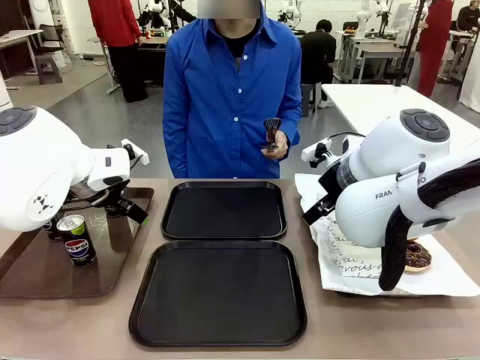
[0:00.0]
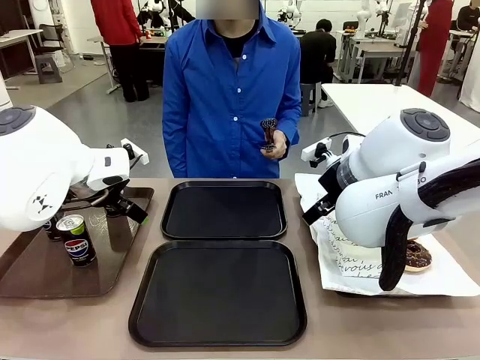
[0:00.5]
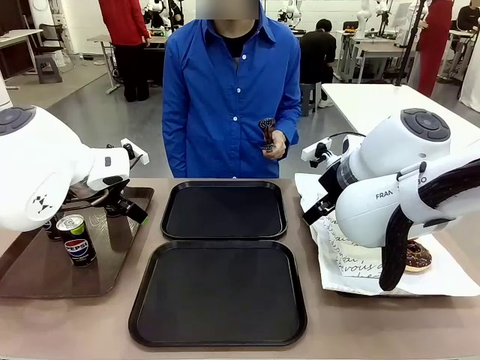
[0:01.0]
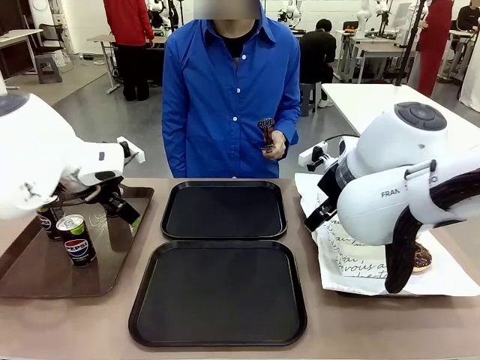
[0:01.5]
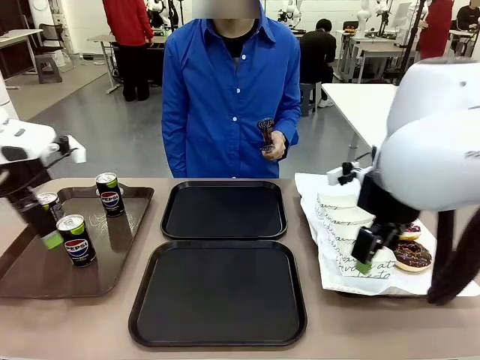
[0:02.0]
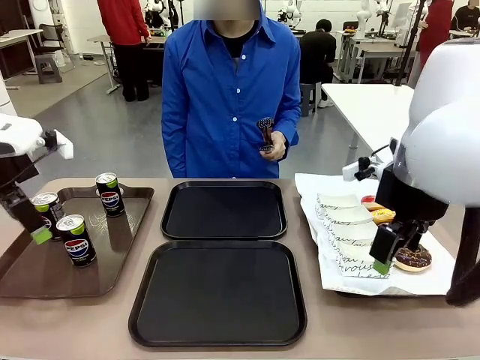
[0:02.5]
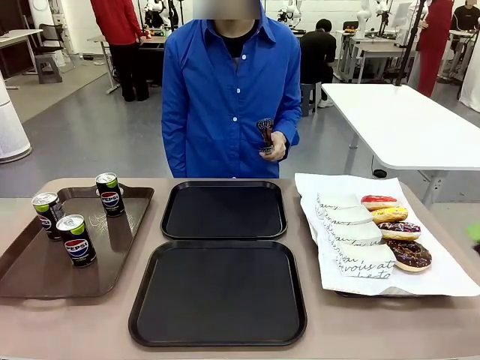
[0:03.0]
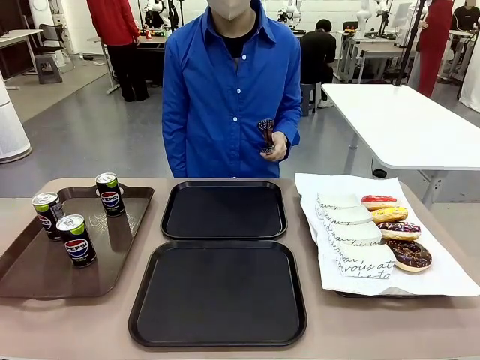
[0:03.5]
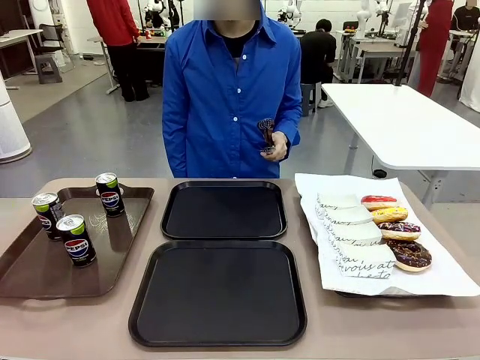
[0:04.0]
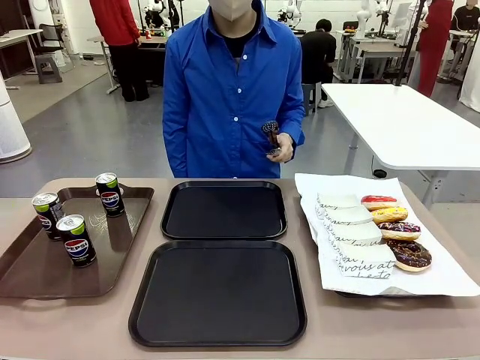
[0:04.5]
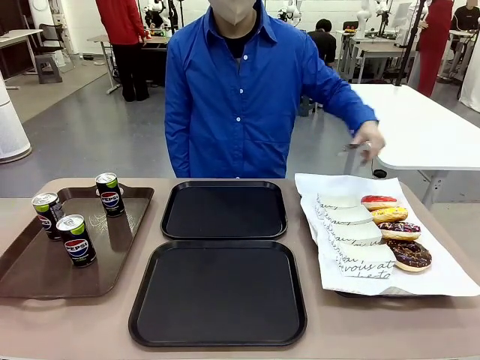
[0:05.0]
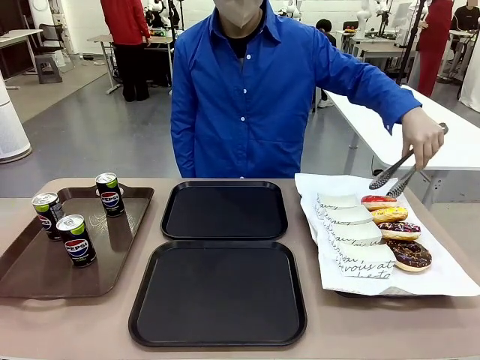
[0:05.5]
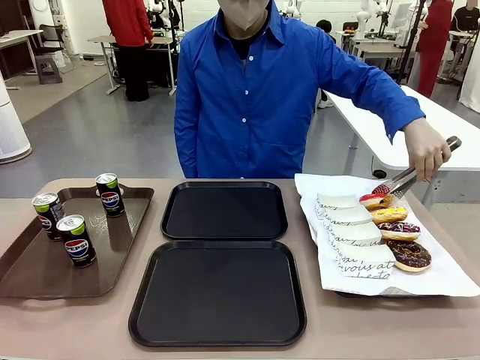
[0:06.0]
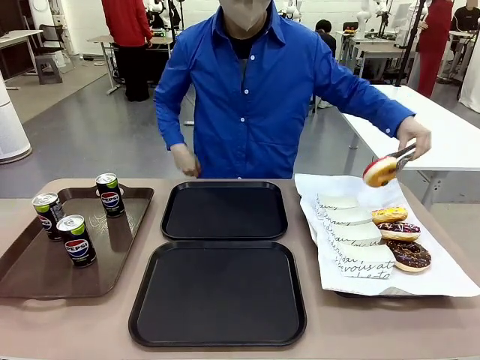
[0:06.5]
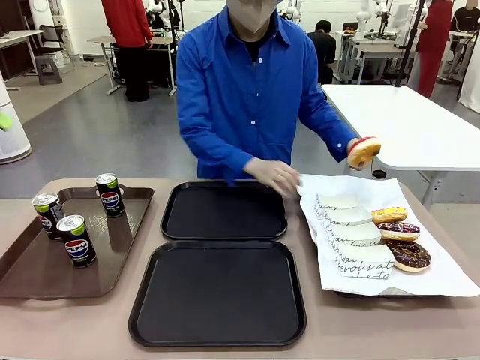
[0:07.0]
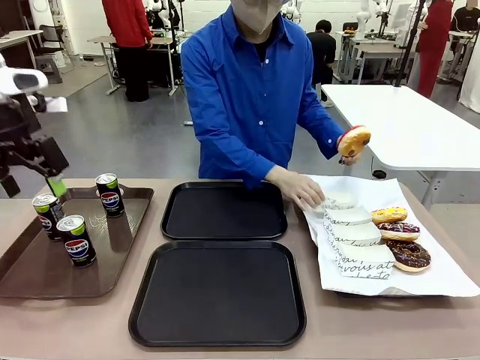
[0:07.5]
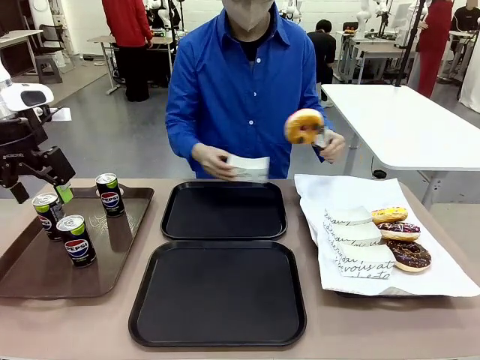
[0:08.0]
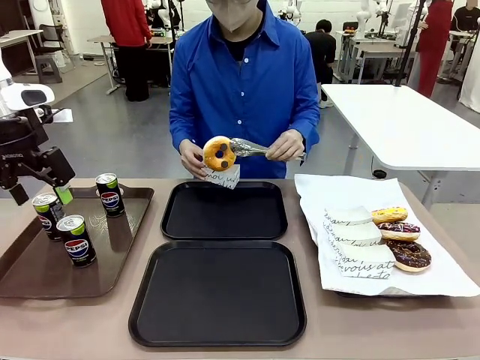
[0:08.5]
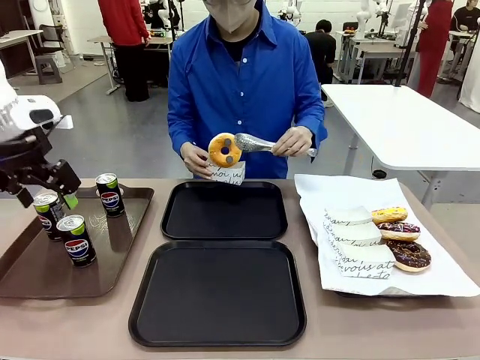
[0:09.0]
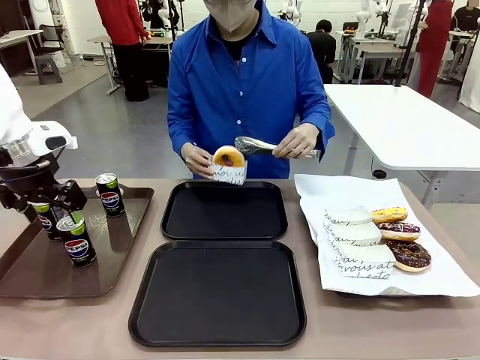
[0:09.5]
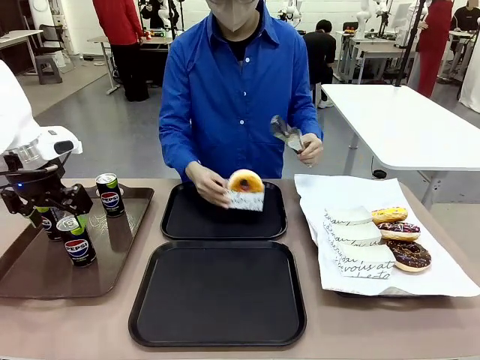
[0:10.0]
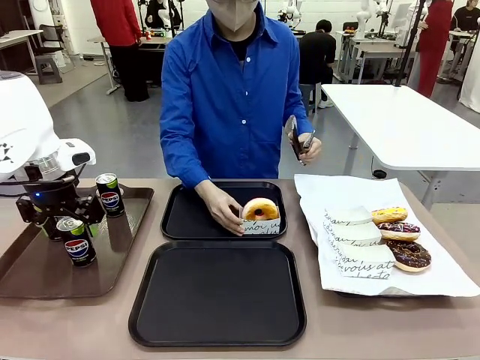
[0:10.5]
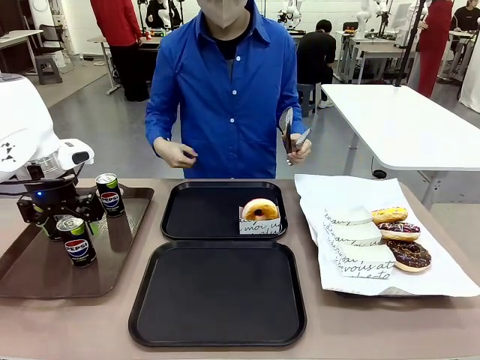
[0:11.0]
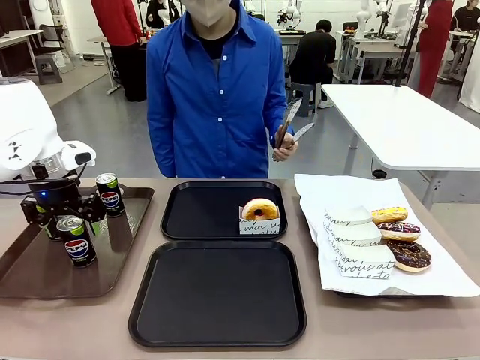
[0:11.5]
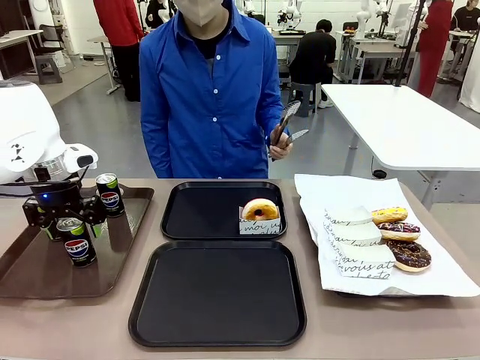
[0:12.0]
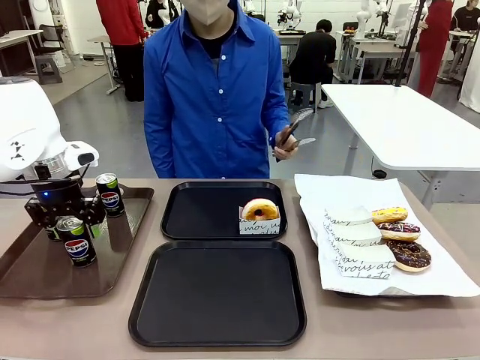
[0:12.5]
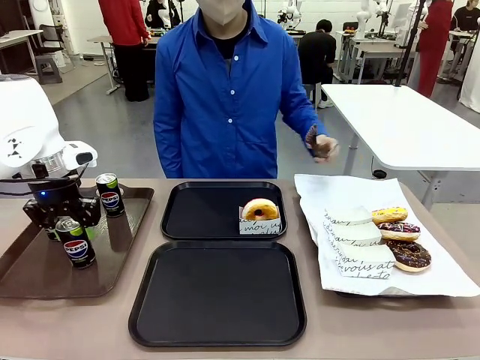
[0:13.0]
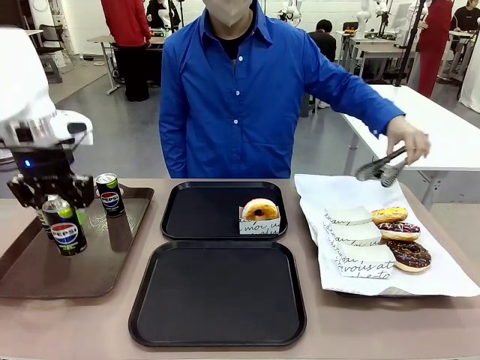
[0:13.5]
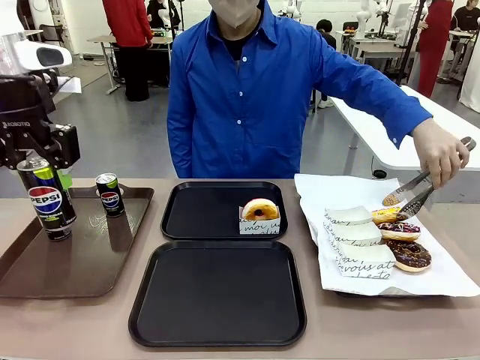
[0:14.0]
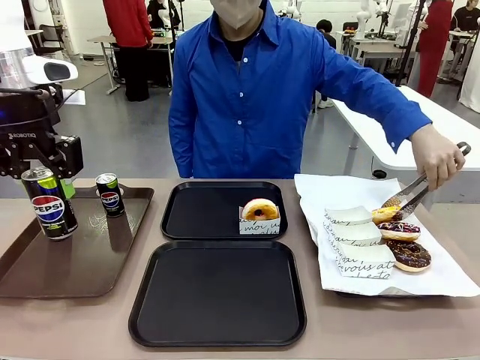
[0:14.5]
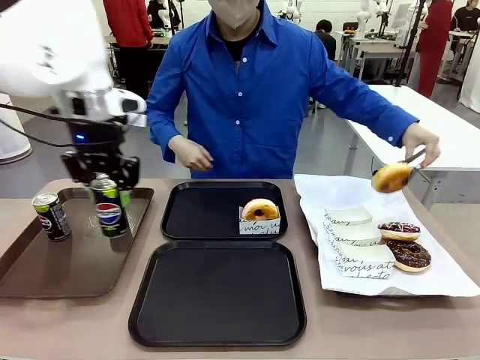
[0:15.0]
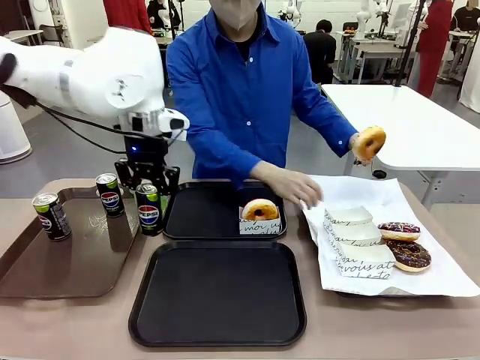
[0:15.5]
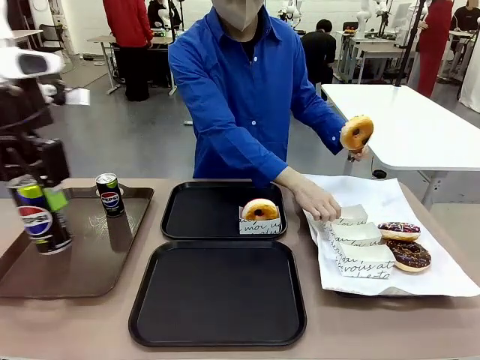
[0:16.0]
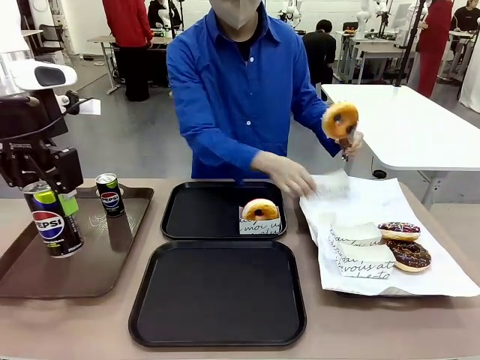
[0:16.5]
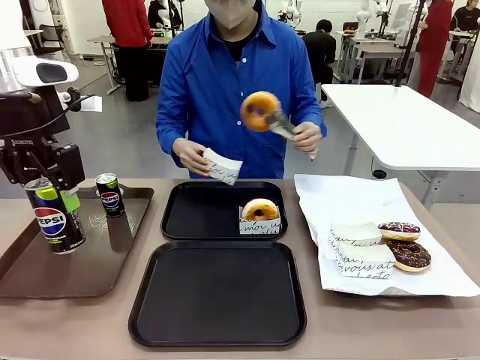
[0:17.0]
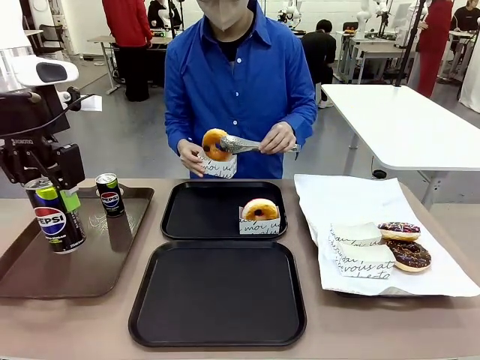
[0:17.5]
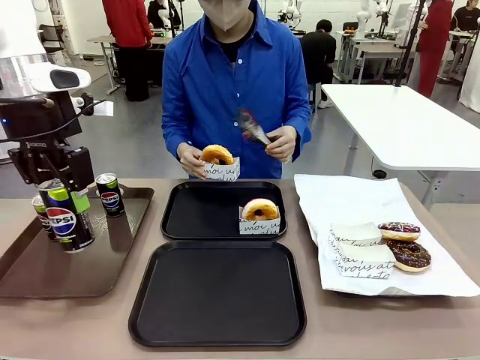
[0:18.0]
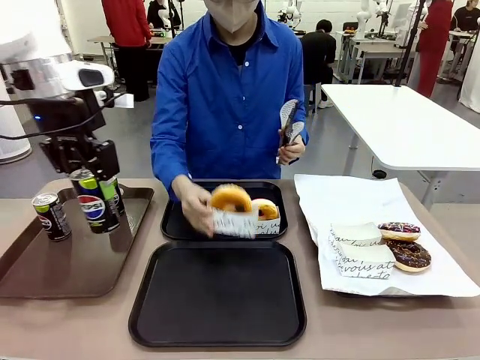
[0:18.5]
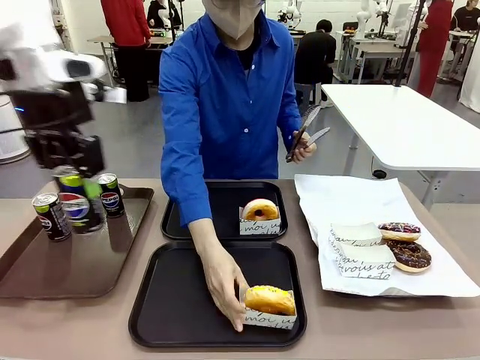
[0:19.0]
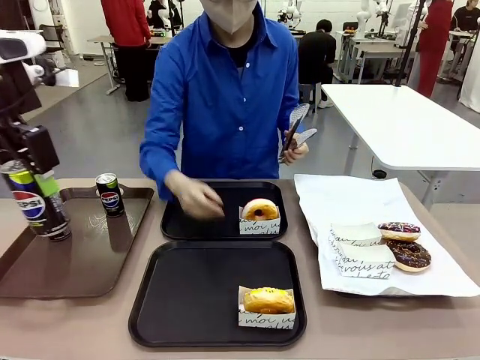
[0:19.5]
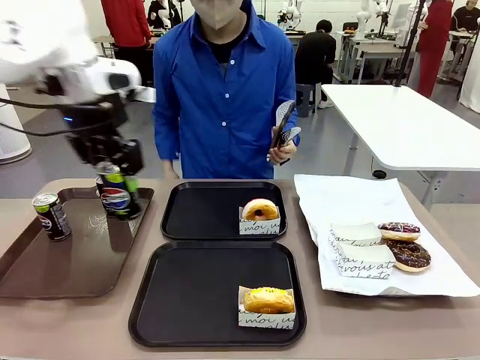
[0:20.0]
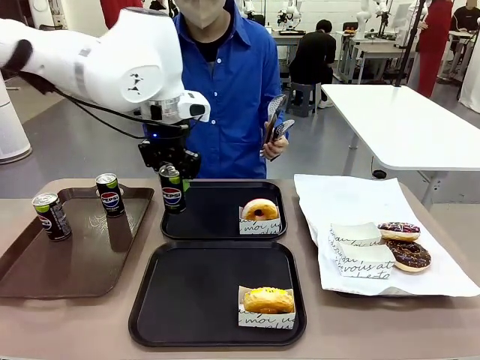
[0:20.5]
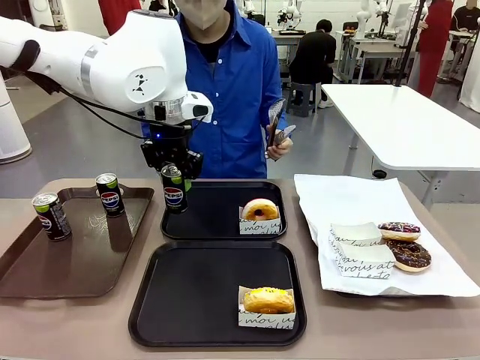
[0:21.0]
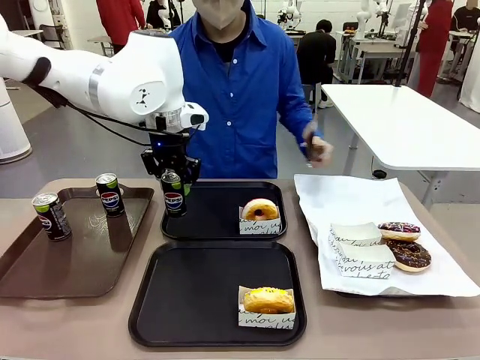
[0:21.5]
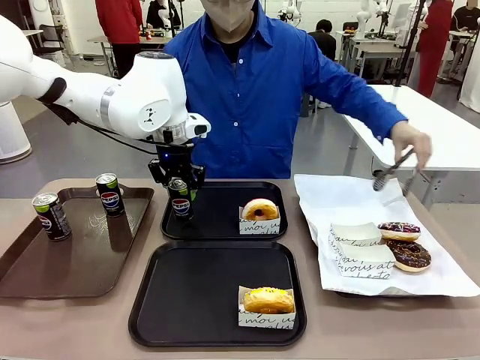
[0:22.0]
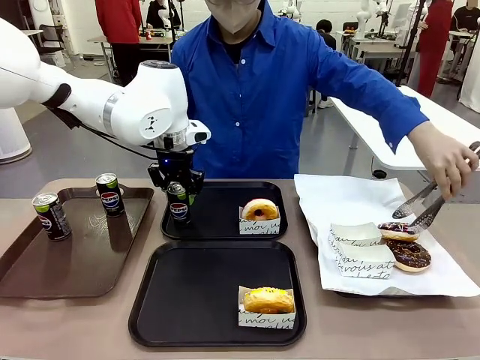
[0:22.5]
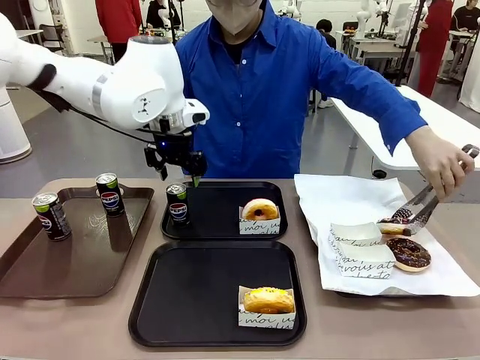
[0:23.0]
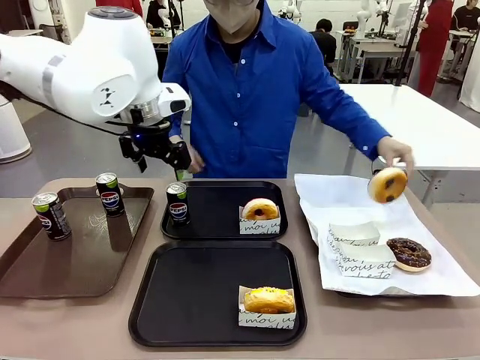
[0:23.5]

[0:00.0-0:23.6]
Task: Set up donuts and drinks on trays.
Robot: Pick up one Pepsi coke and place it on the Flat Tray.
Person: Pick up one donut with tongs, place it in the donut tray, and then place the donut tray on the flat tray.
